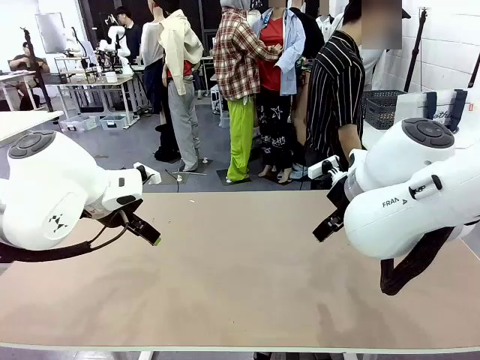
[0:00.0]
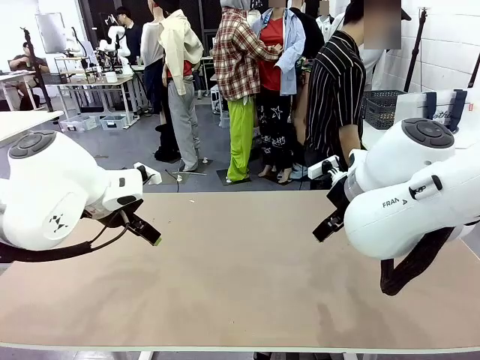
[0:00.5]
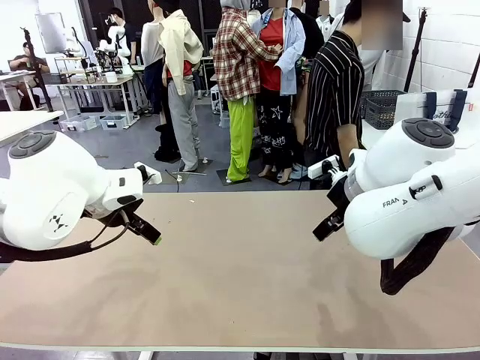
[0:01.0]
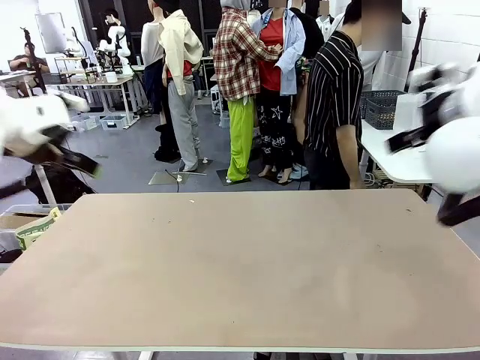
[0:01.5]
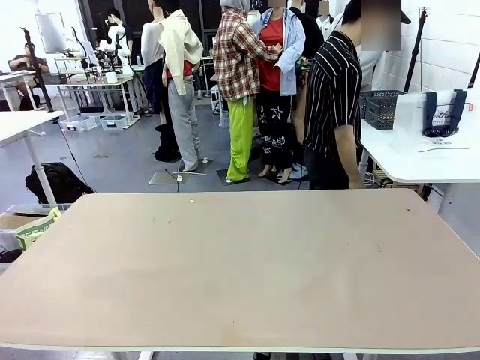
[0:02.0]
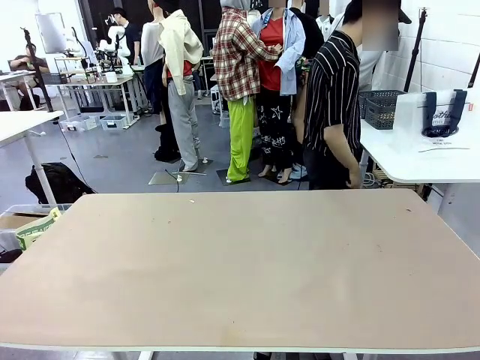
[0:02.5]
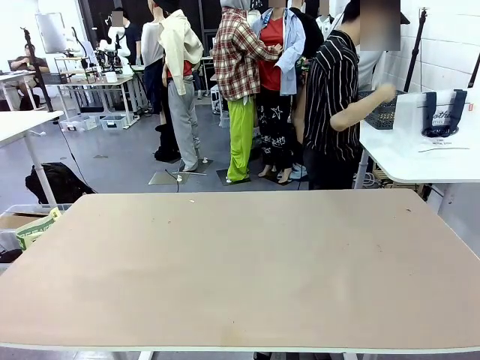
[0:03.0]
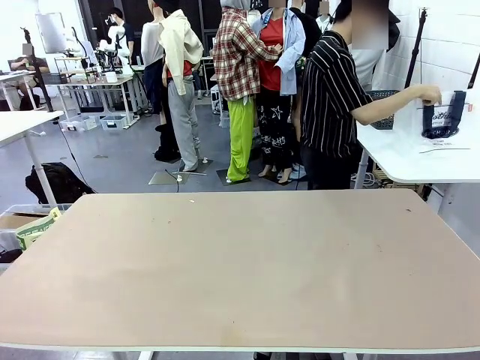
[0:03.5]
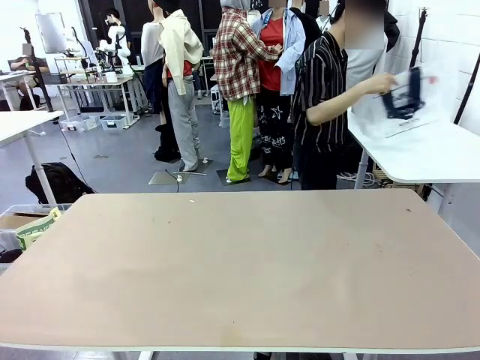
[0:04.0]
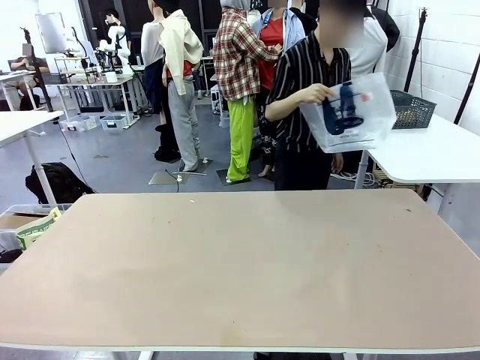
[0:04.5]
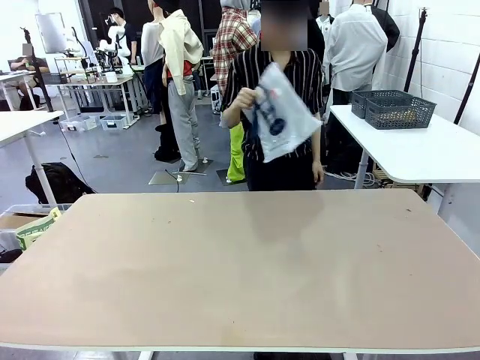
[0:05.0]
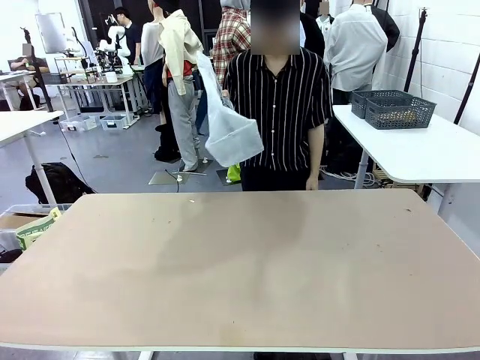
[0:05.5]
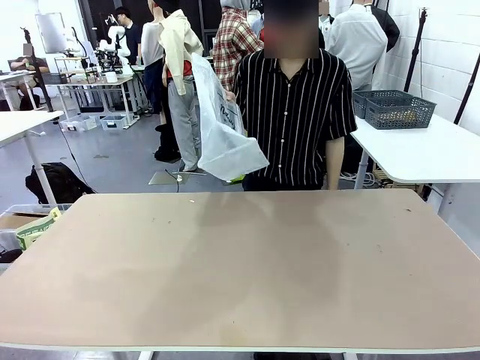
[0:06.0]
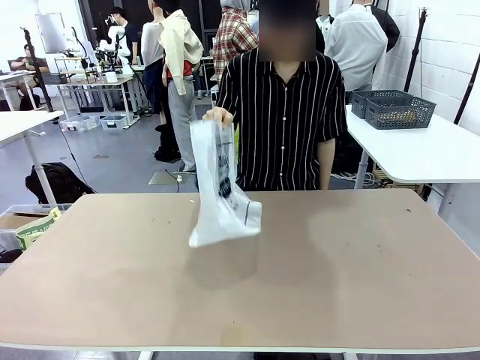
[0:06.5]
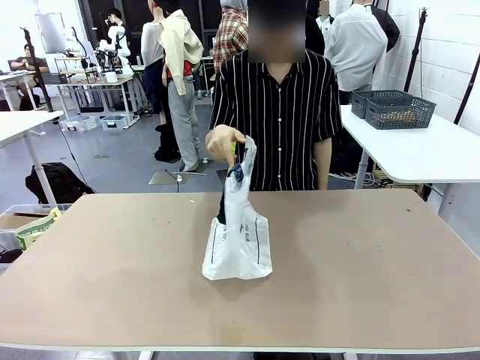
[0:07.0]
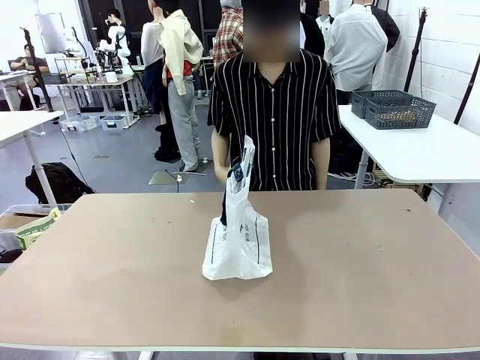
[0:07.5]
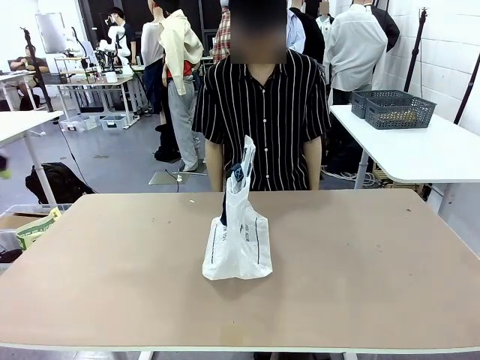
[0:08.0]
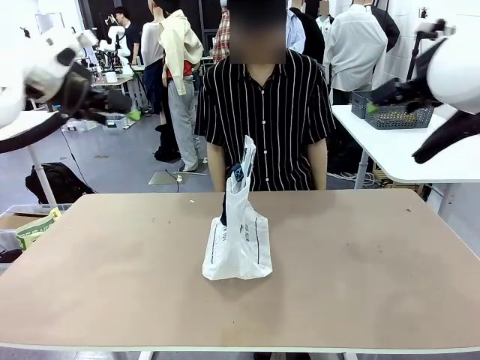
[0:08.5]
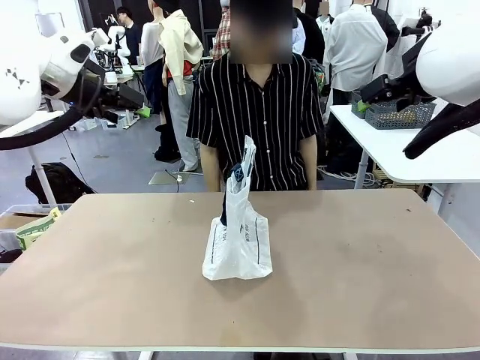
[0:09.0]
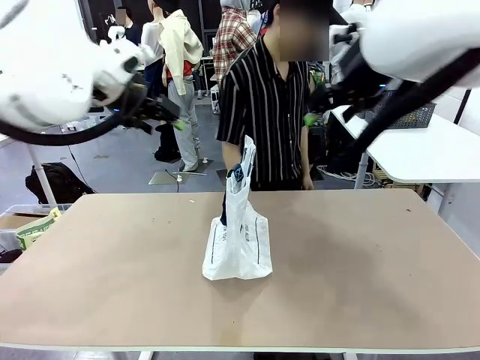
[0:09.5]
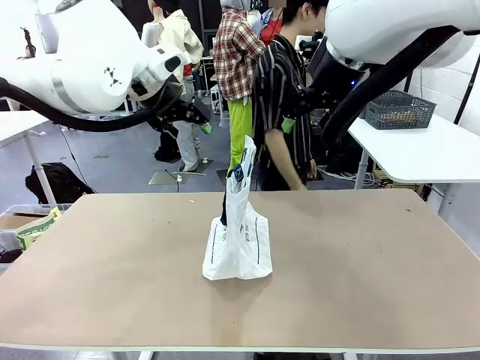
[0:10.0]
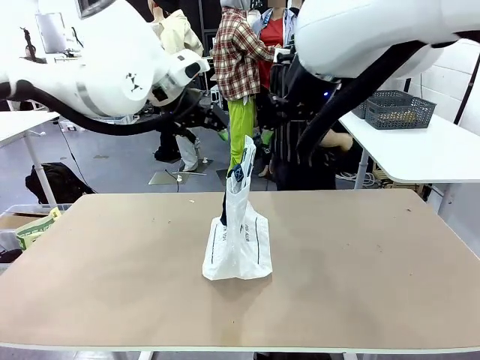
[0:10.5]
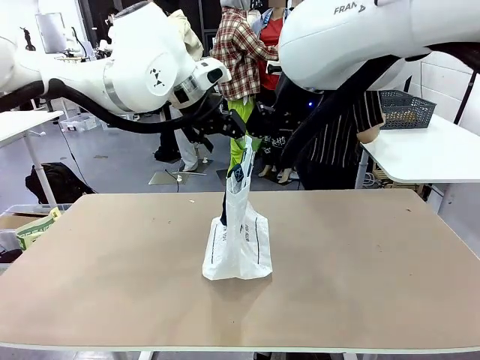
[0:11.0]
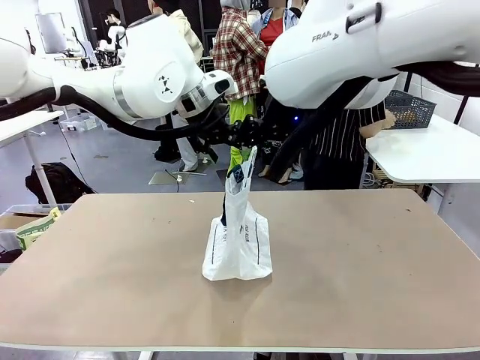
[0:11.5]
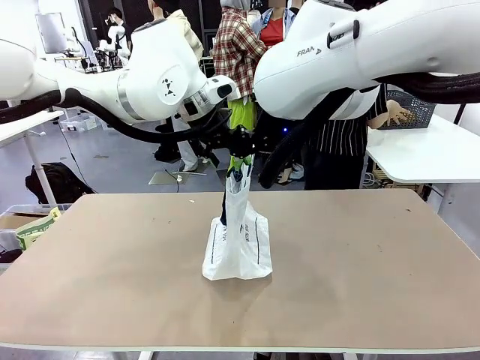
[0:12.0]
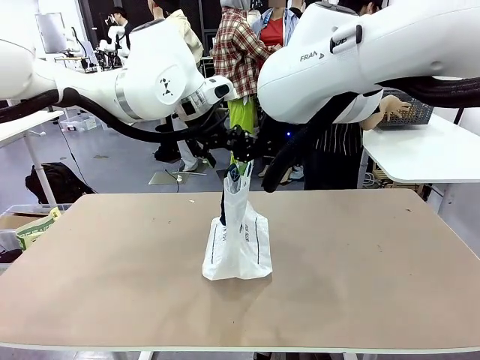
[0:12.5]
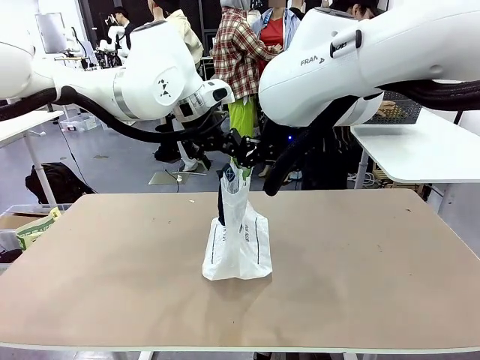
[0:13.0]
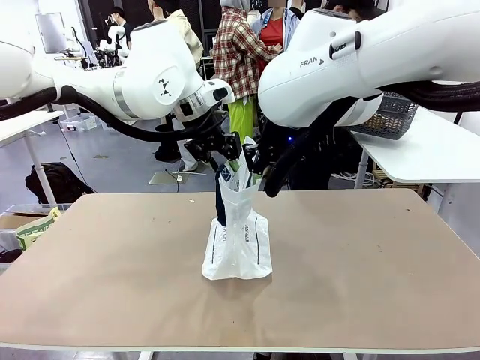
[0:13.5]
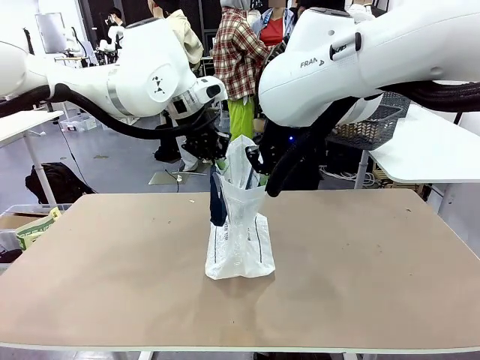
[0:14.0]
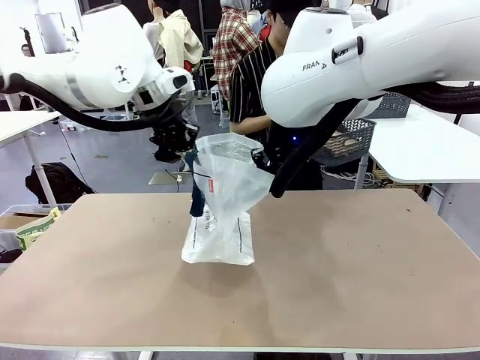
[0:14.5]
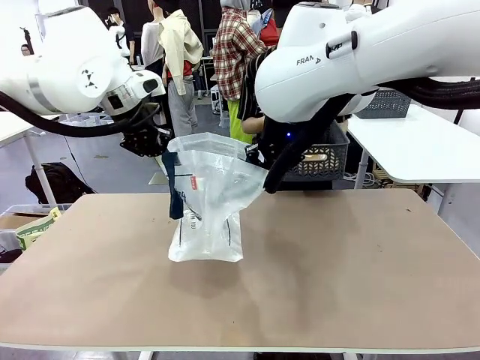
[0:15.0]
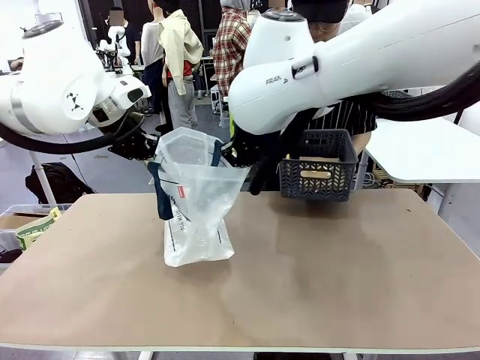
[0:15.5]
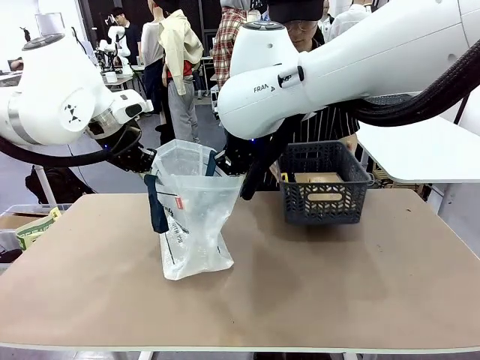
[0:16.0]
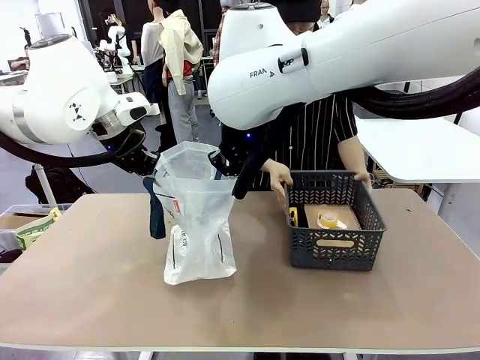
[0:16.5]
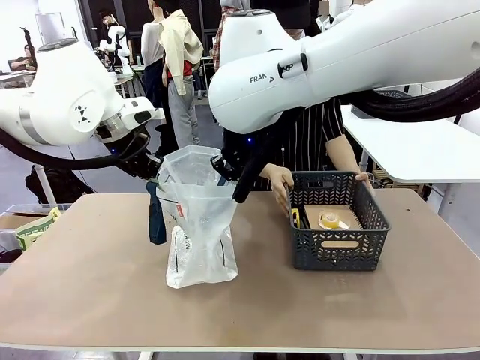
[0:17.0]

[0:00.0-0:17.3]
Task: Transfer purchased items from the store into the shopping bag.
Robot: Open the Reusable shopping bag in the center of the table.
Person: Pick up the shopping bag and place it in the middle of the robot table. Pick up the basket on the right, place it on the left side of the robot table, and move the items in the basket to the shopping bag.

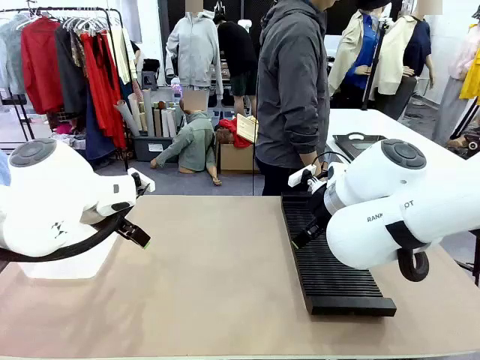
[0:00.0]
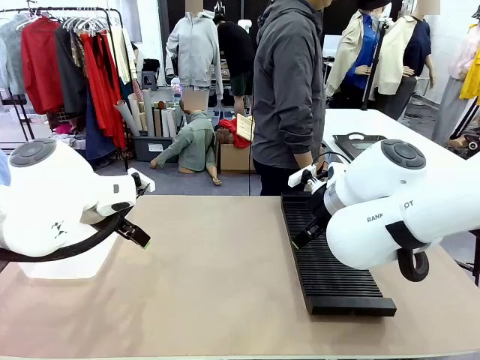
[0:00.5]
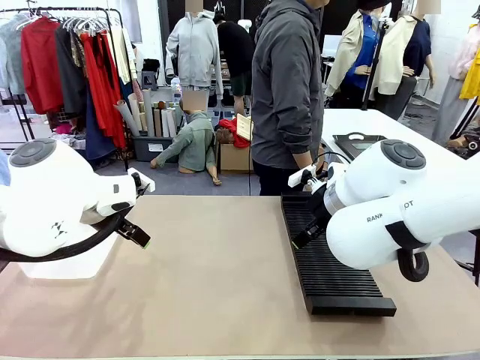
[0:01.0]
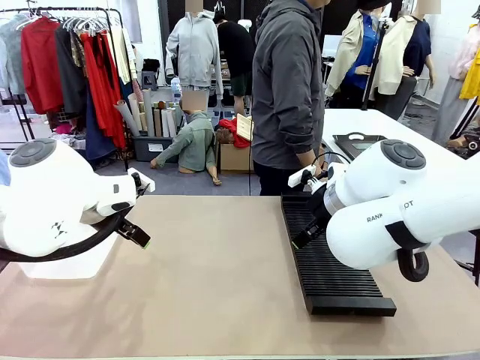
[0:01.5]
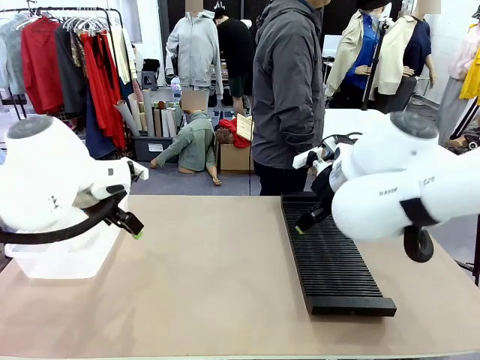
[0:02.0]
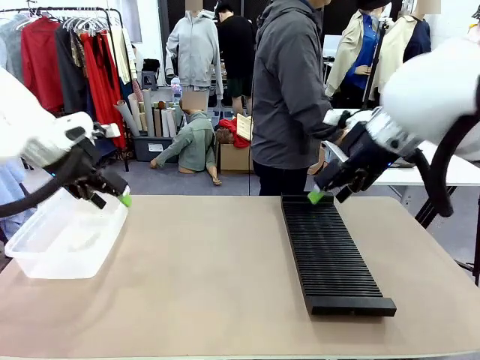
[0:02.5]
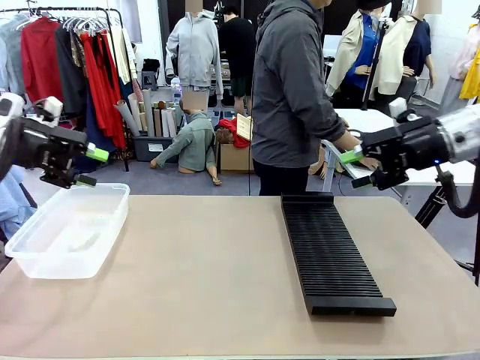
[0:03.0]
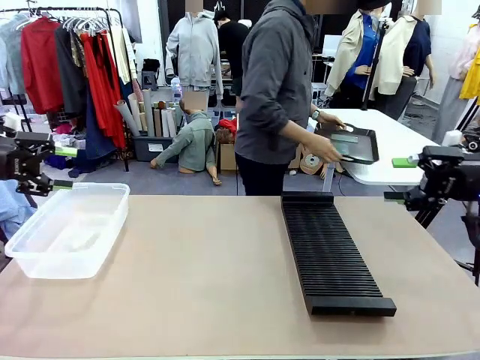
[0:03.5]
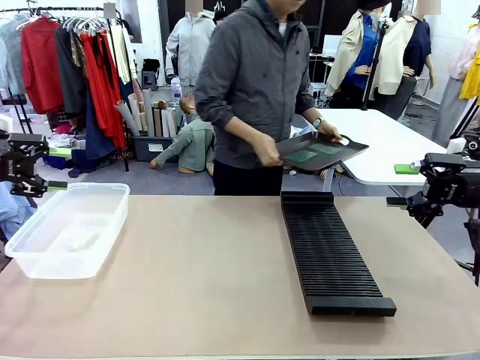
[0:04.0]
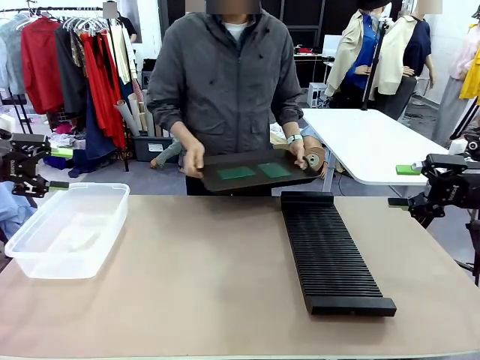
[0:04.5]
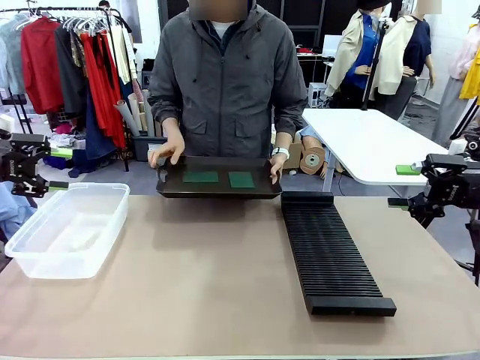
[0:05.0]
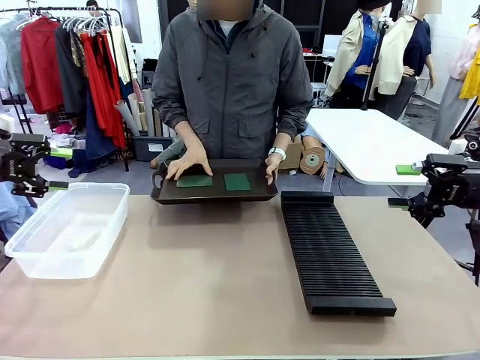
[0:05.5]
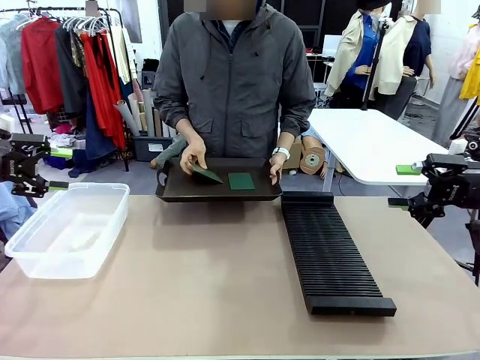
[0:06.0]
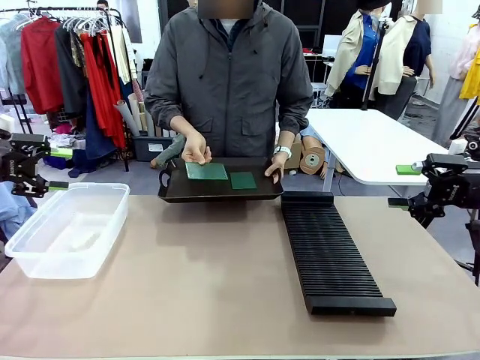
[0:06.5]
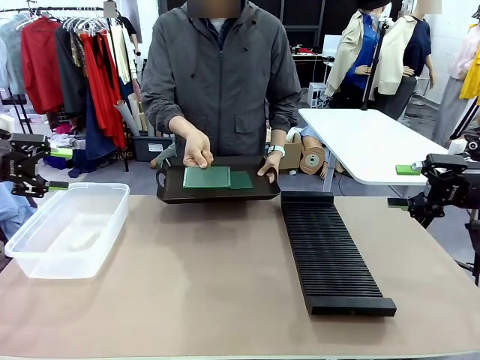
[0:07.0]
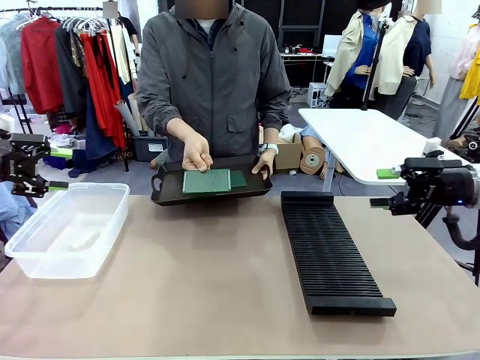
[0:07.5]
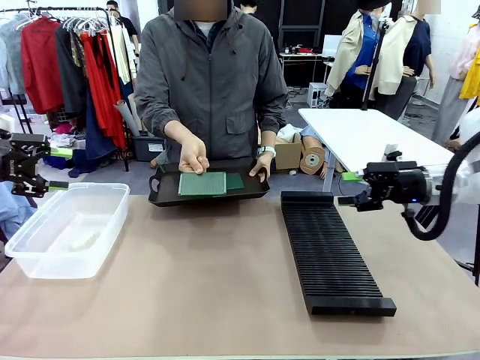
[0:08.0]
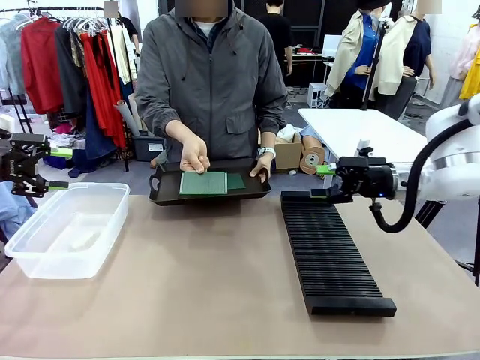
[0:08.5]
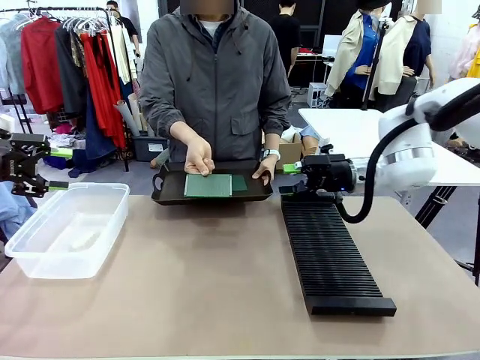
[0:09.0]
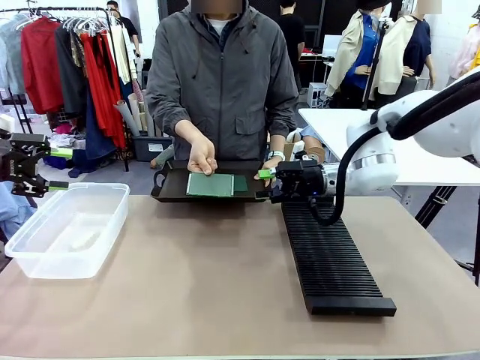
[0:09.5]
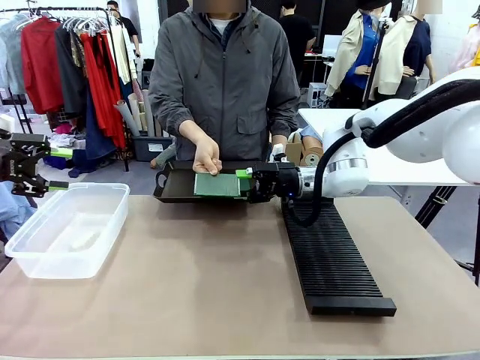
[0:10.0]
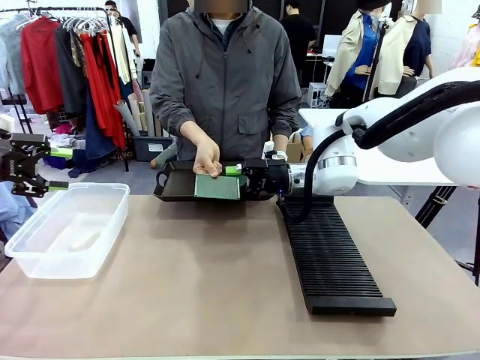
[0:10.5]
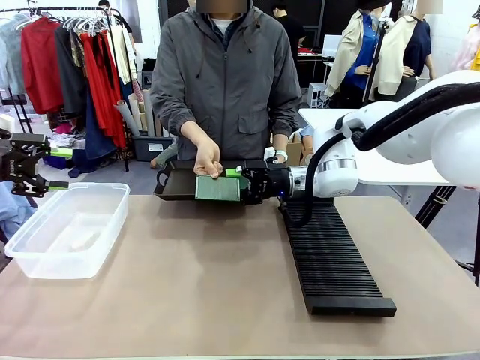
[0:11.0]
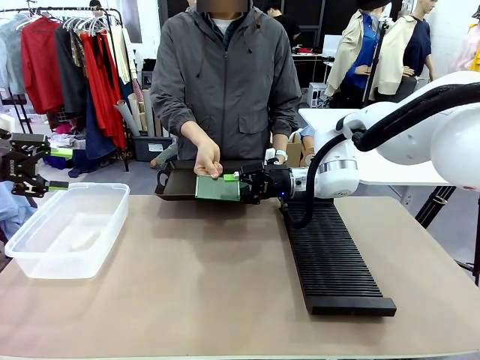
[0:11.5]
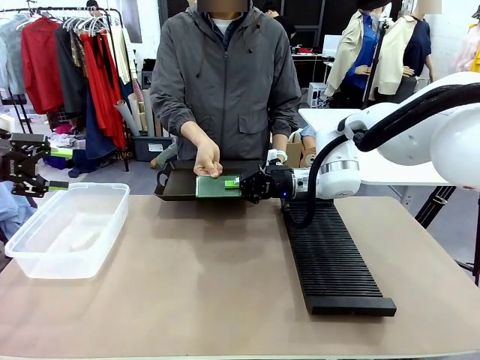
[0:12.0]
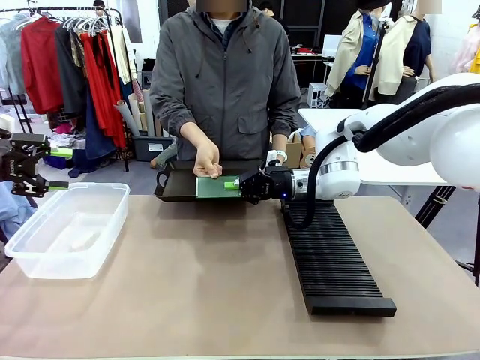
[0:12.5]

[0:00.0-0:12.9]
Task: Sort PCBs into racks and boxes based on the side picked up.
Robot: Pick up the Blank PCB handed by the Human.
Person: Pick one PCB from the tray and present it to the robot. Release the PCB being held.
